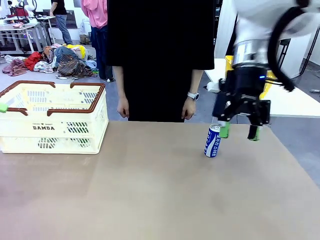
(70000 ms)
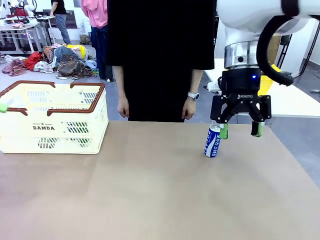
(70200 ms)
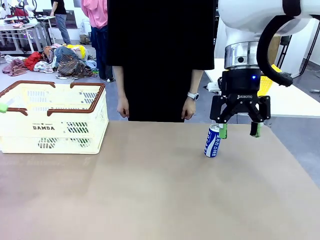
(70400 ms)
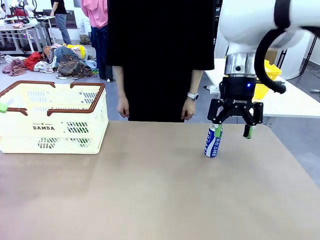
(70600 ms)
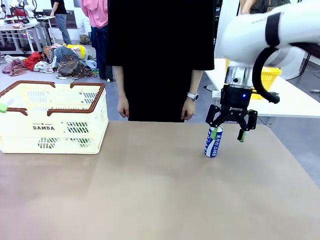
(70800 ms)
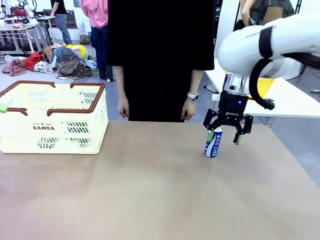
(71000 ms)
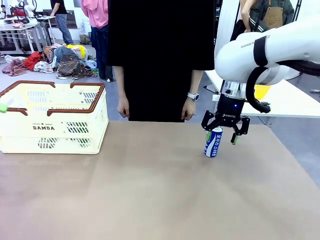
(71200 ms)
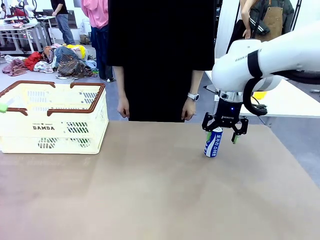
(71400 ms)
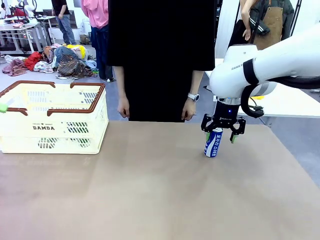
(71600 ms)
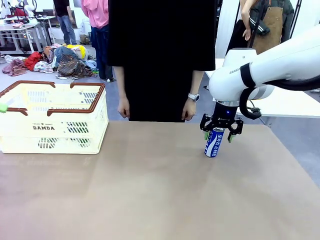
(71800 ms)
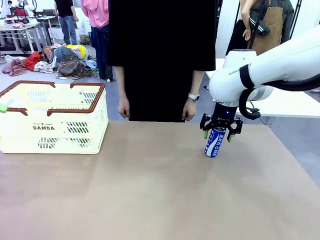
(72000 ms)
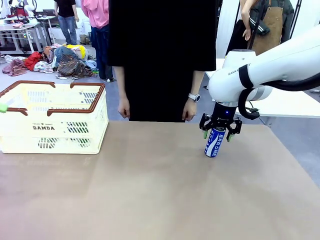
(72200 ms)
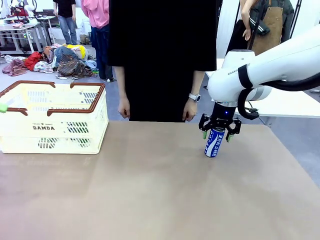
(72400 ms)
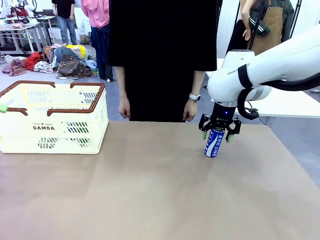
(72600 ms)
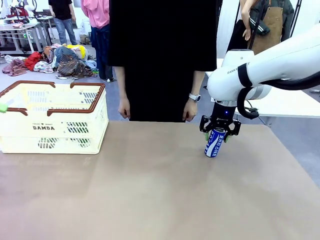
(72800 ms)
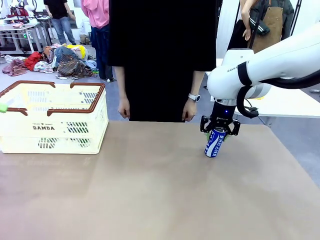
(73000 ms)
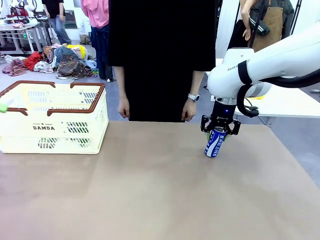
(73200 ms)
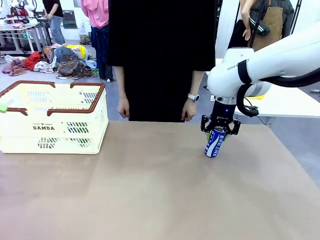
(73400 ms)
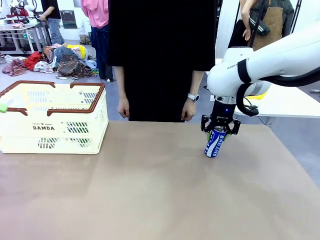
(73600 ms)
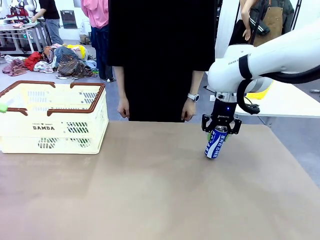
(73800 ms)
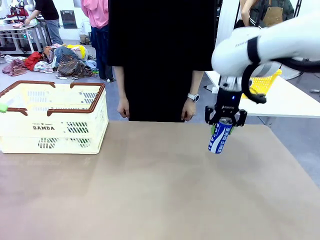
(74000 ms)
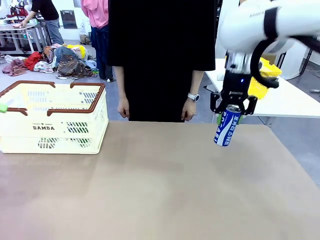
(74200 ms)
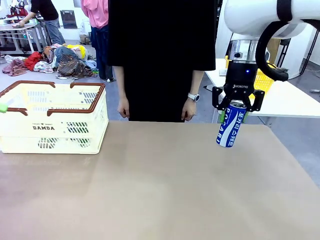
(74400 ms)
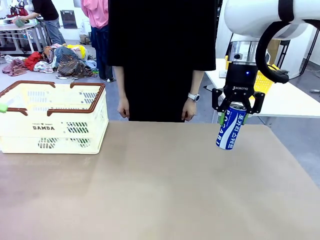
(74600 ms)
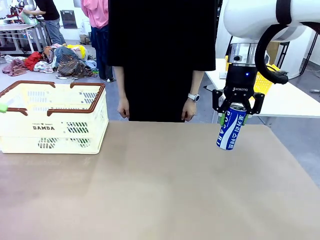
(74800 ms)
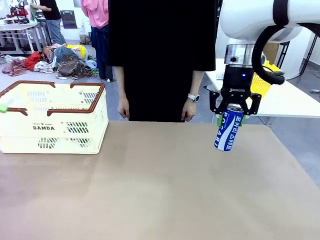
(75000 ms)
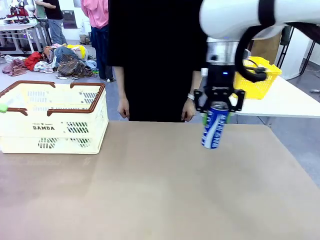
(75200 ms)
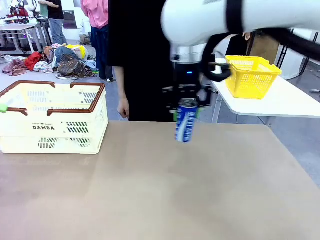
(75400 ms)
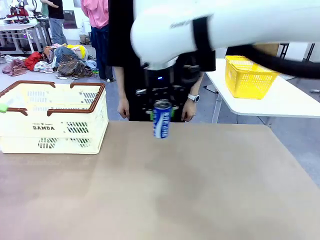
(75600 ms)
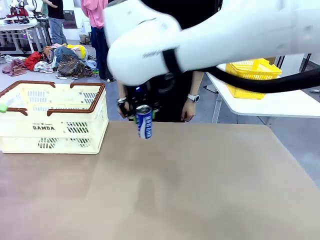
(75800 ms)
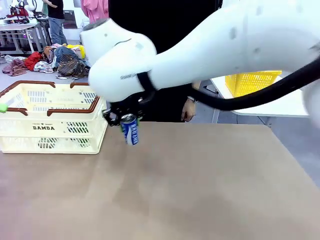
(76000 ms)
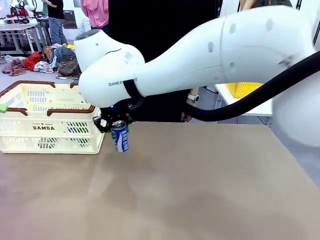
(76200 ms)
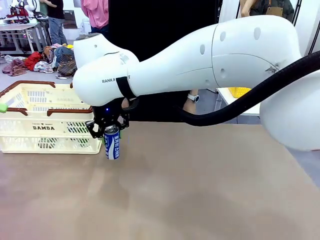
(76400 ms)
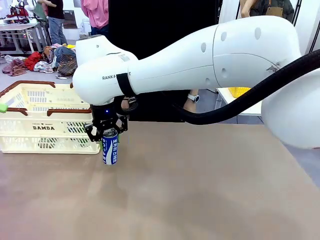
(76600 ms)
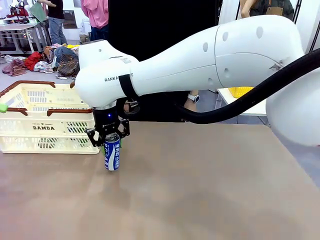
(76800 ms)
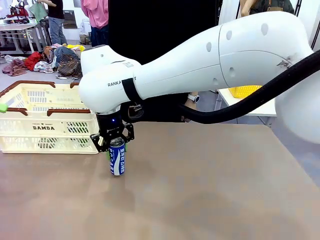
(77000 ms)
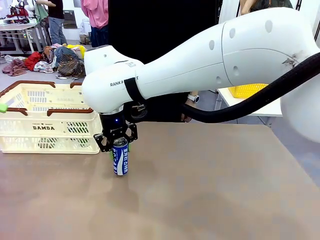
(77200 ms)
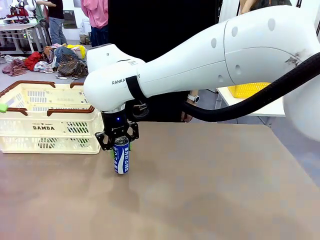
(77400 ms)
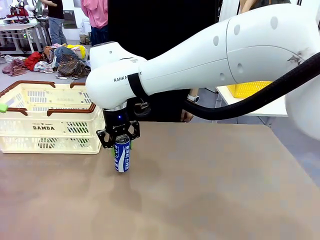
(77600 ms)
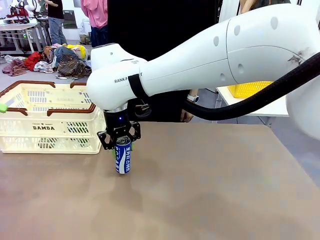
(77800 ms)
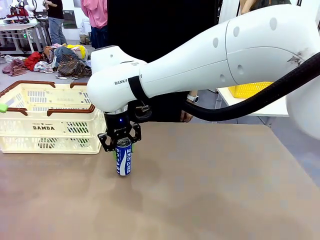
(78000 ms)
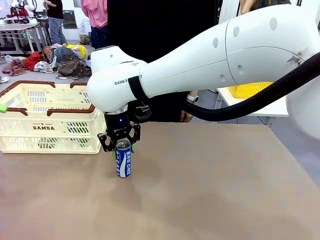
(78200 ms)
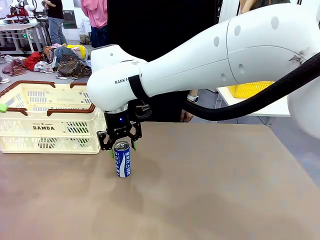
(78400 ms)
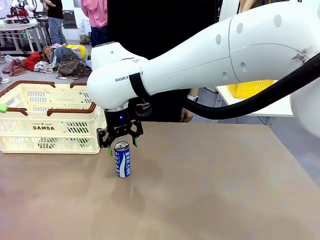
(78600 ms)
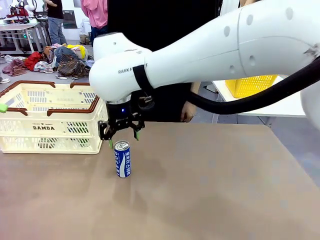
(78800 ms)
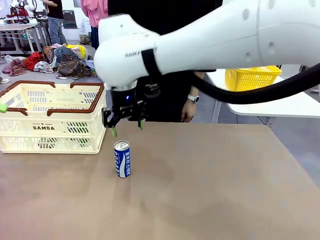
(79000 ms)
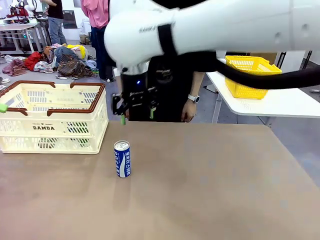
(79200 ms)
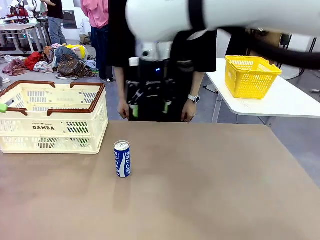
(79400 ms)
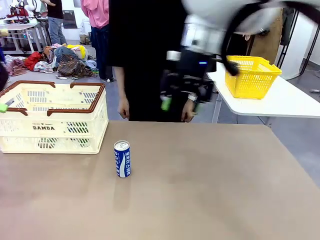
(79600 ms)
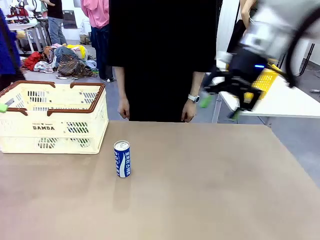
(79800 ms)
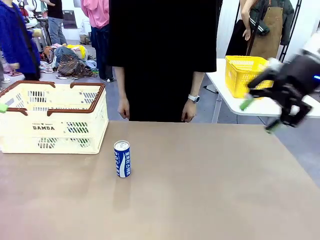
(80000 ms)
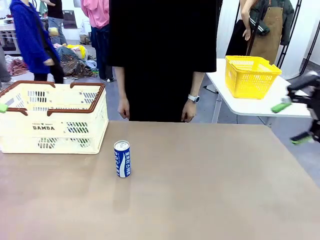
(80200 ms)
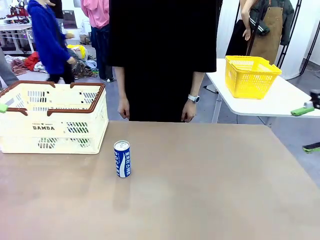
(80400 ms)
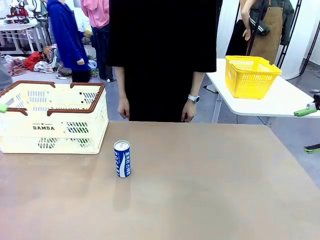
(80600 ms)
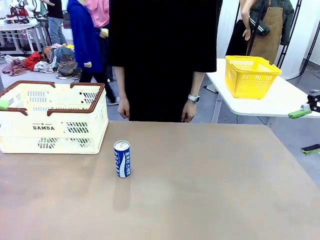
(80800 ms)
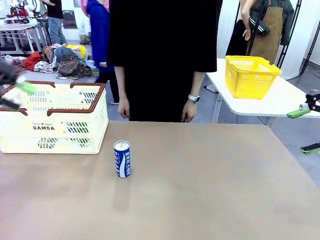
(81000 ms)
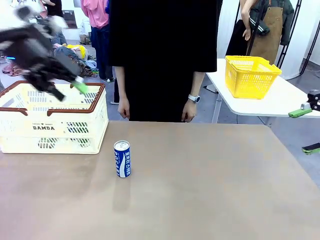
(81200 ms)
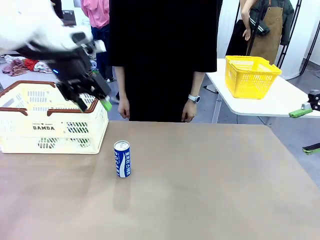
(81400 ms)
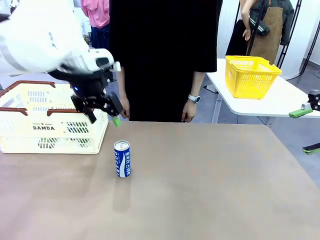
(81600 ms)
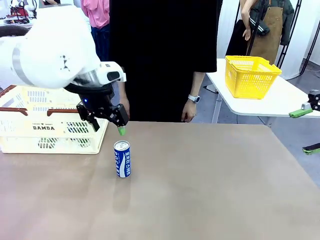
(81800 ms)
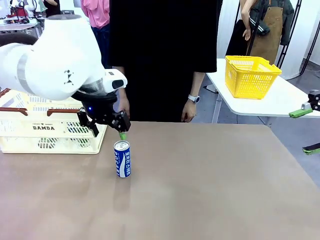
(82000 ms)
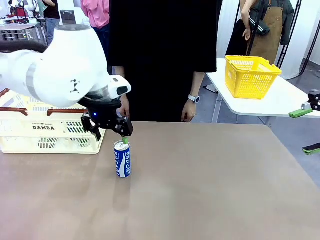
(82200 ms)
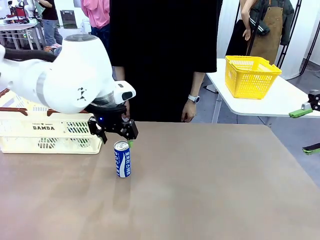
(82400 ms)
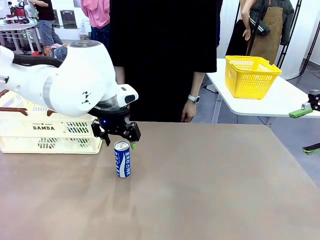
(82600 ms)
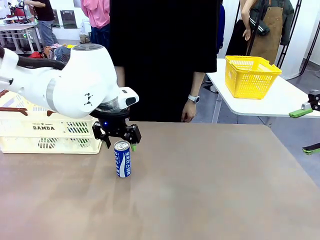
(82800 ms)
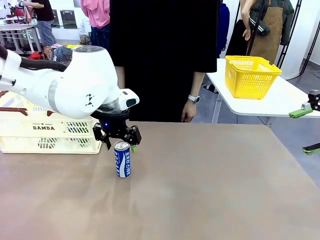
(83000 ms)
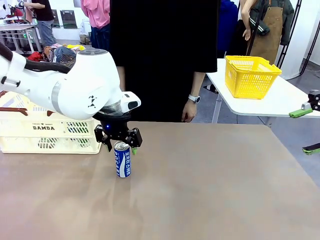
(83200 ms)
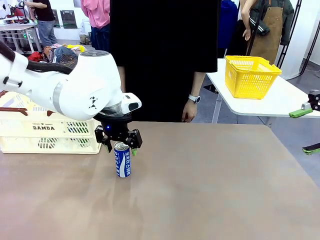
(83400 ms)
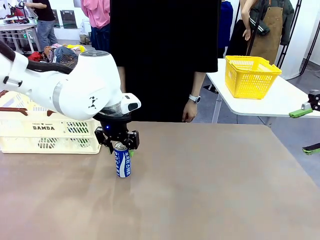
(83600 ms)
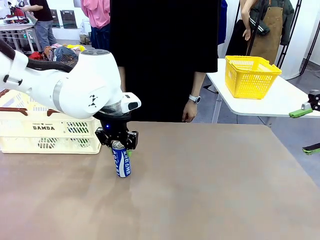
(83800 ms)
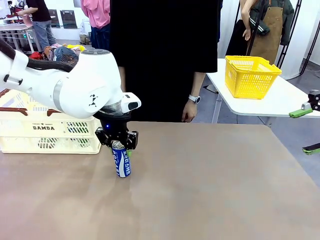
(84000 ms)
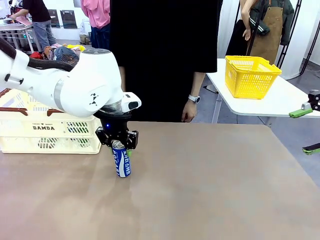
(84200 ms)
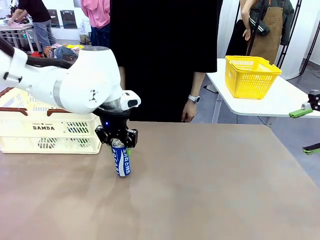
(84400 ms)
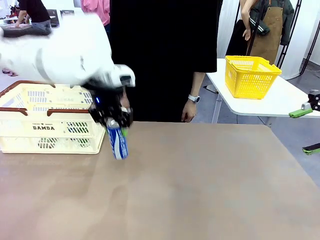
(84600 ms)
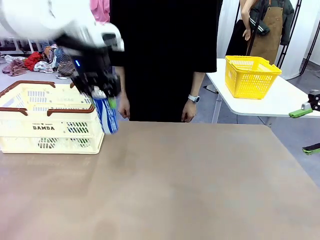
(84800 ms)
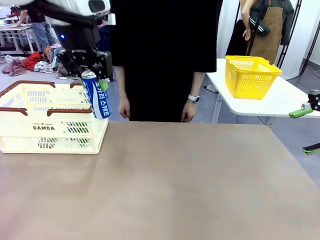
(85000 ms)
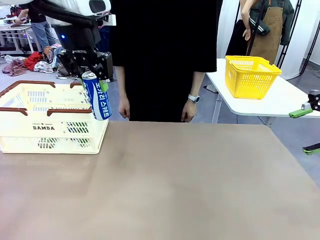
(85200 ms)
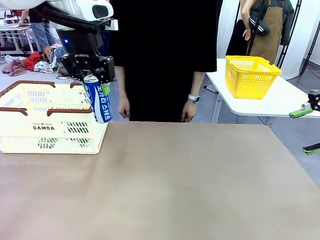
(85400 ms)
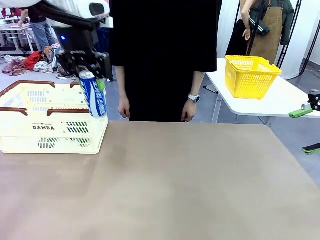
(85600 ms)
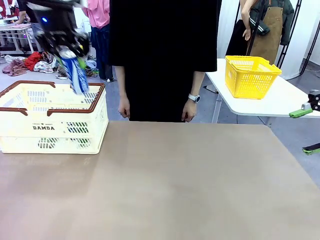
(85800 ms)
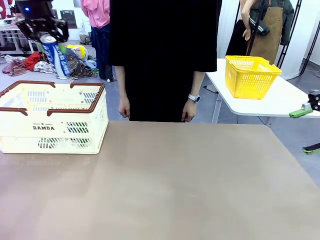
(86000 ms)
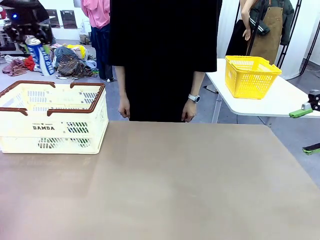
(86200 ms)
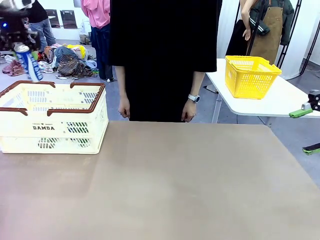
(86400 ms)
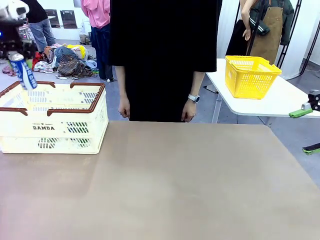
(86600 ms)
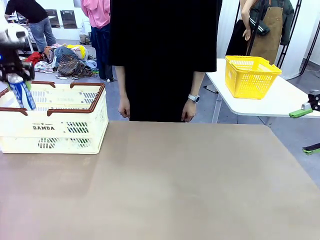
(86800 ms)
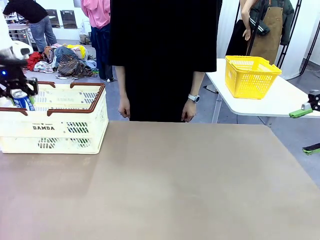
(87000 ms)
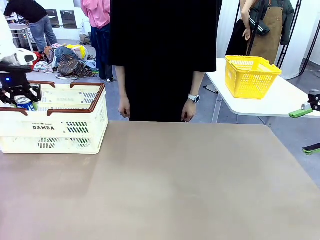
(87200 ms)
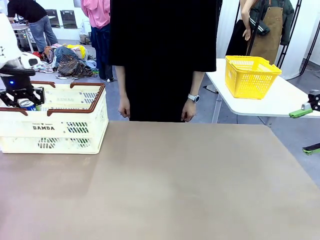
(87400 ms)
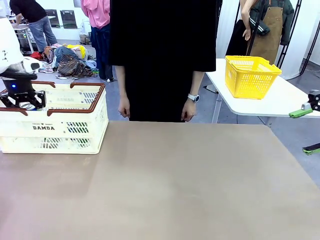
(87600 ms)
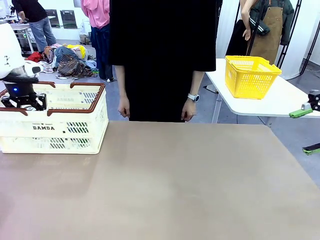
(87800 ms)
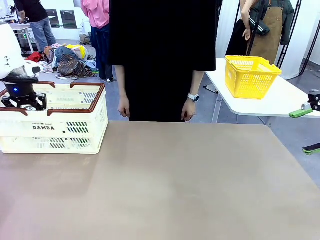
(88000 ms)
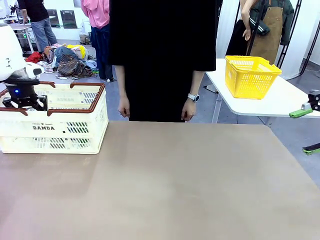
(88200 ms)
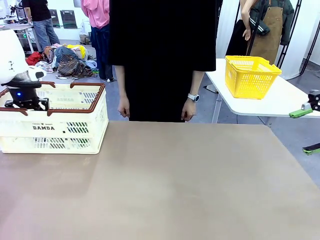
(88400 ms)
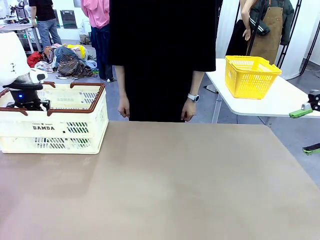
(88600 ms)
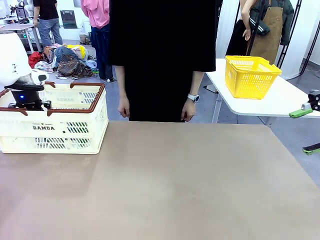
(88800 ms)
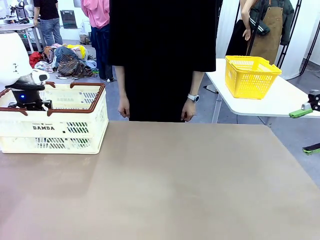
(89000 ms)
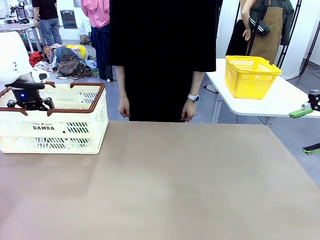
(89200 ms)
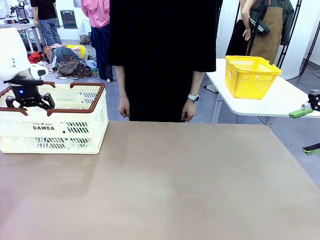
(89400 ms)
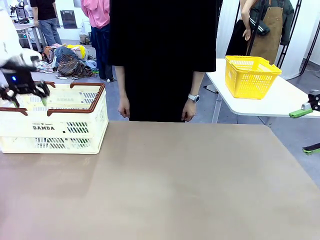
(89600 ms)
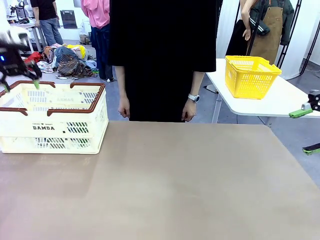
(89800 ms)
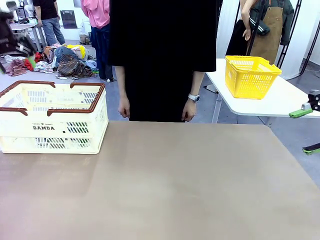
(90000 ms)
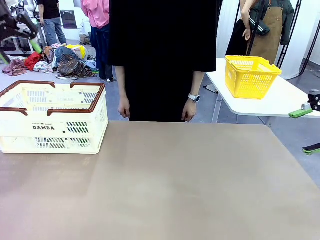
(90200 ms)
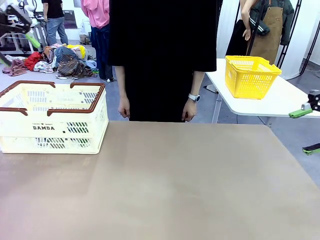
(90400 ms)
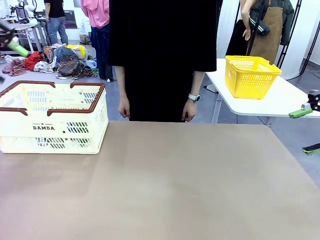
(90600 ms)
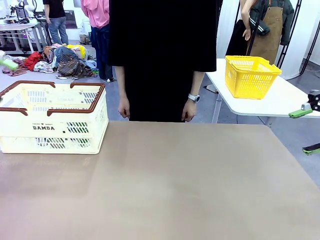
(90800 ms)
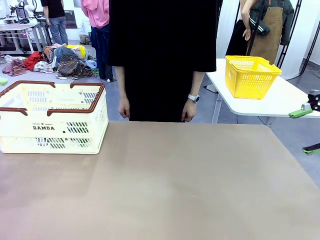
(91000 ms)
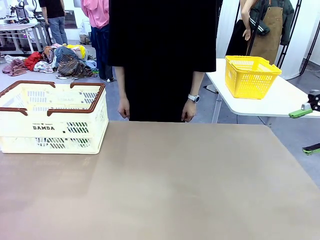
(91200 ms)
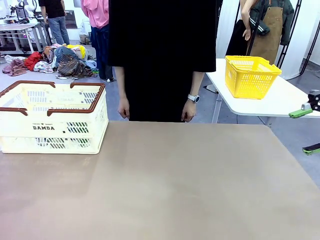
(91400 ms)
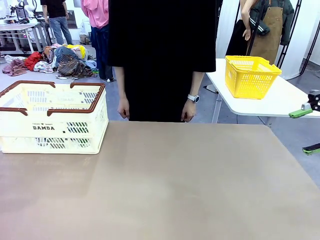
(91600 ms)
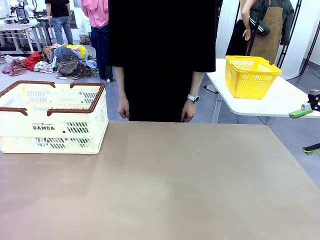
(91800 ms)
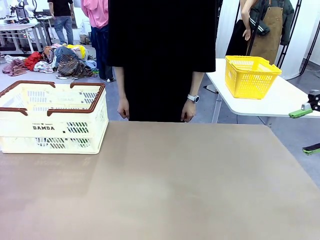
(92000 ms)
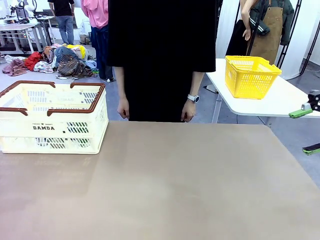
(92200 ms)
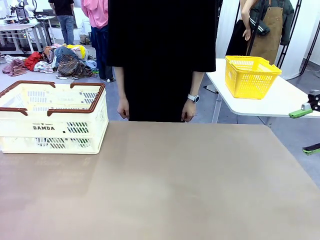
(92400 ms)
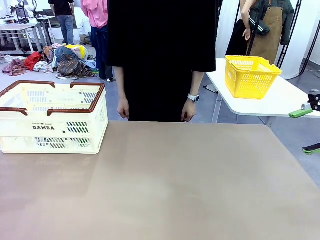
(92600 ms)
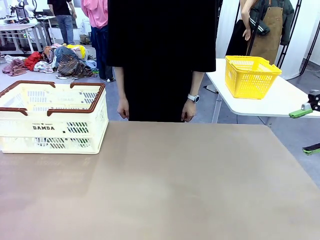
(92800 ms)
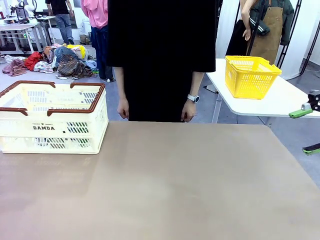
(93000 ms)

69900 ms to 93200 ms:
Task: Place the drinks into the Shopping basket.
Robot: Pick up one drink and place it into the Shopping basket.
